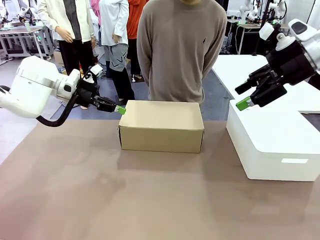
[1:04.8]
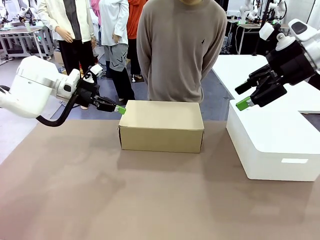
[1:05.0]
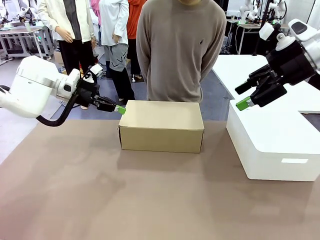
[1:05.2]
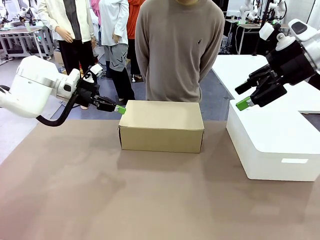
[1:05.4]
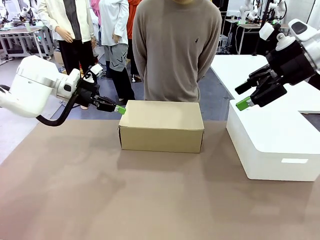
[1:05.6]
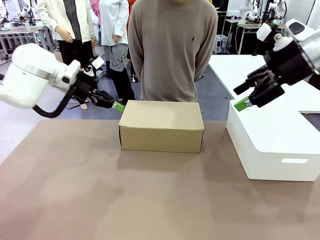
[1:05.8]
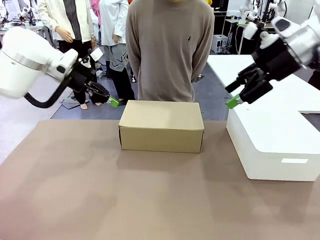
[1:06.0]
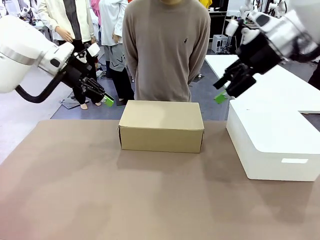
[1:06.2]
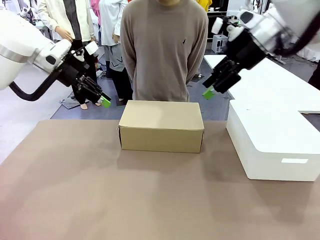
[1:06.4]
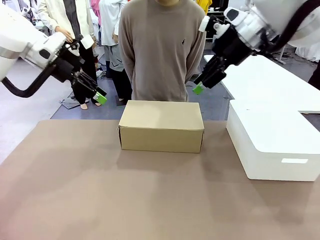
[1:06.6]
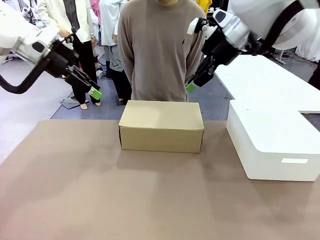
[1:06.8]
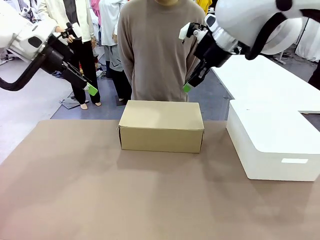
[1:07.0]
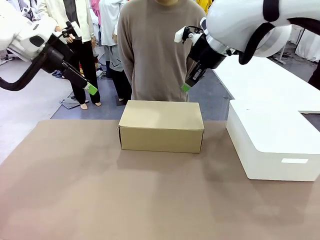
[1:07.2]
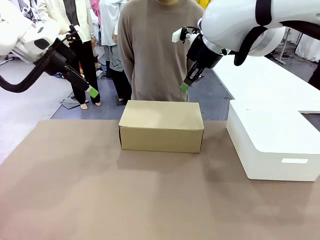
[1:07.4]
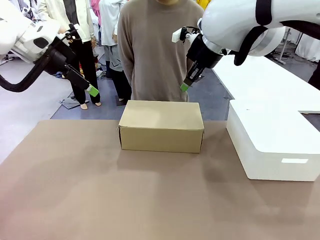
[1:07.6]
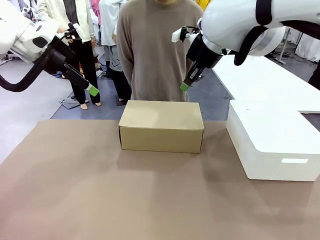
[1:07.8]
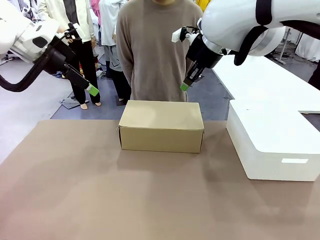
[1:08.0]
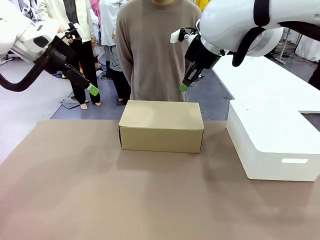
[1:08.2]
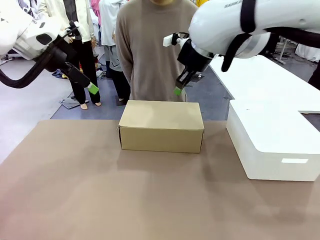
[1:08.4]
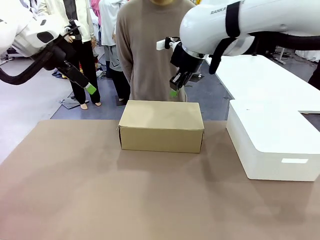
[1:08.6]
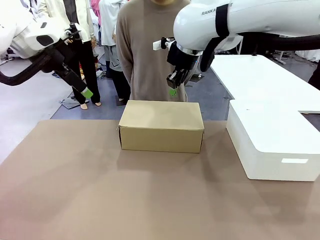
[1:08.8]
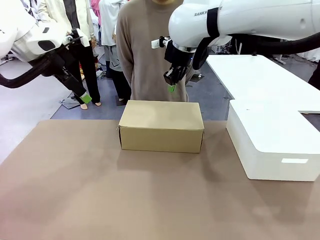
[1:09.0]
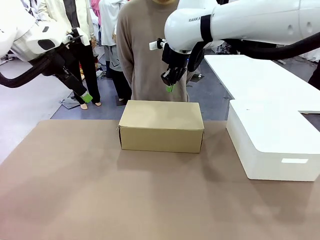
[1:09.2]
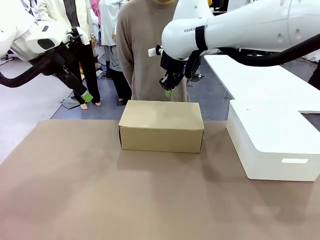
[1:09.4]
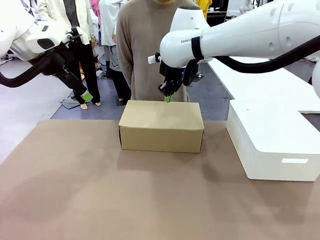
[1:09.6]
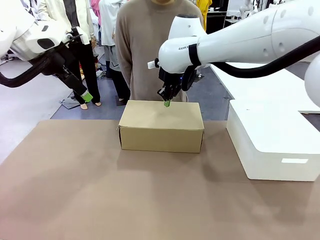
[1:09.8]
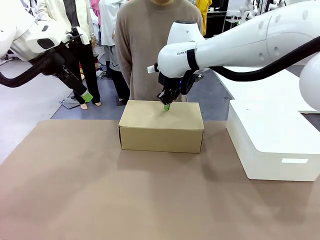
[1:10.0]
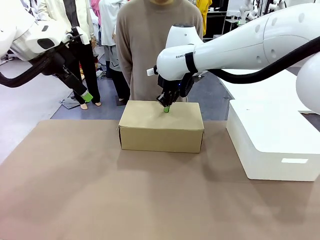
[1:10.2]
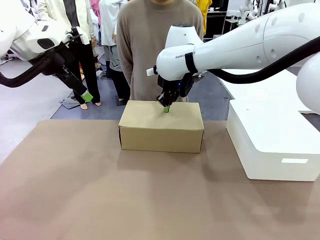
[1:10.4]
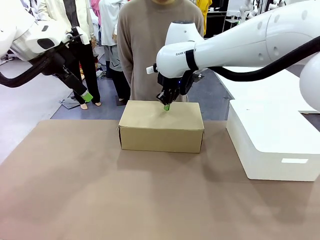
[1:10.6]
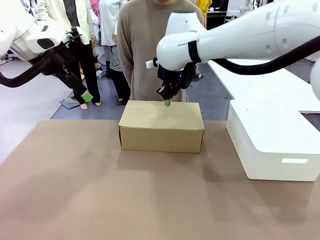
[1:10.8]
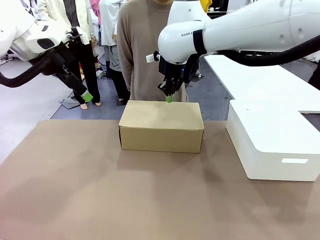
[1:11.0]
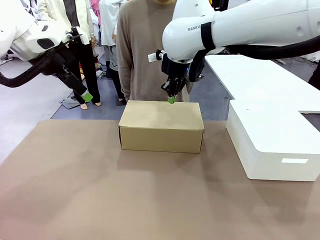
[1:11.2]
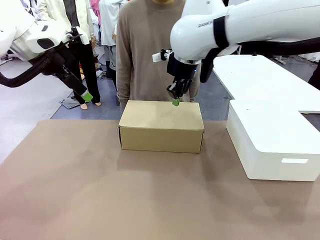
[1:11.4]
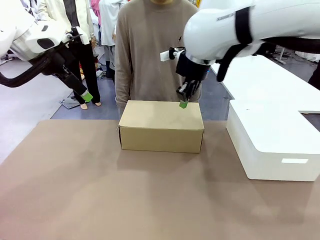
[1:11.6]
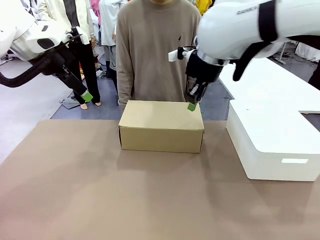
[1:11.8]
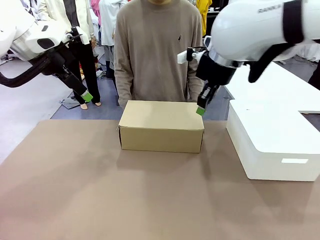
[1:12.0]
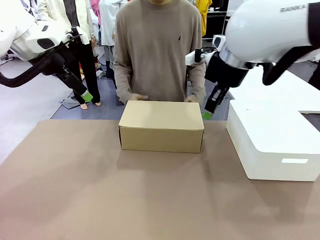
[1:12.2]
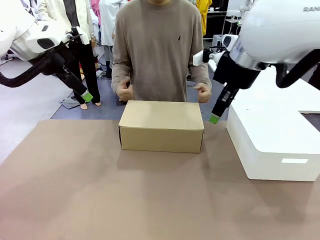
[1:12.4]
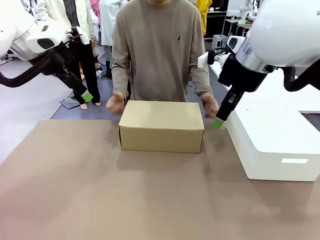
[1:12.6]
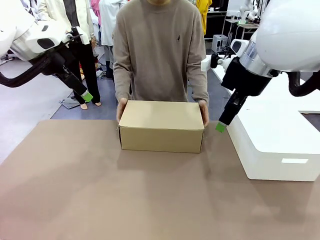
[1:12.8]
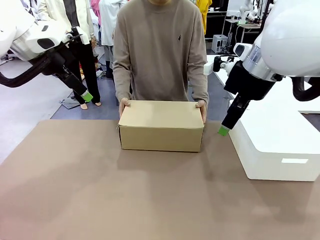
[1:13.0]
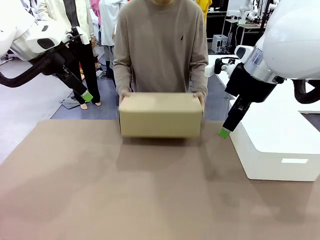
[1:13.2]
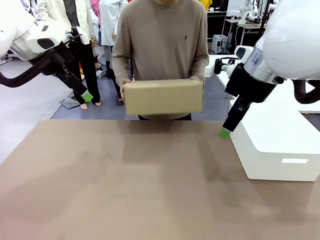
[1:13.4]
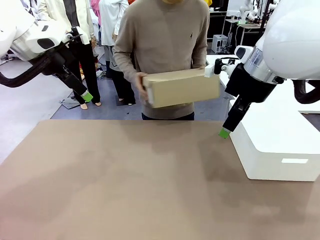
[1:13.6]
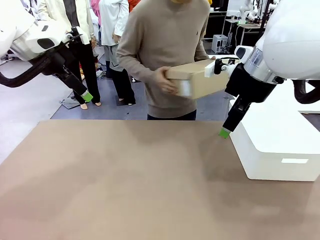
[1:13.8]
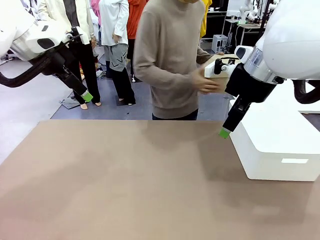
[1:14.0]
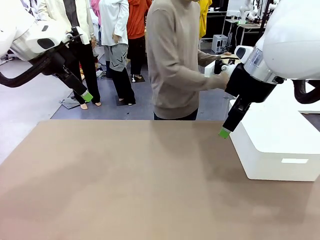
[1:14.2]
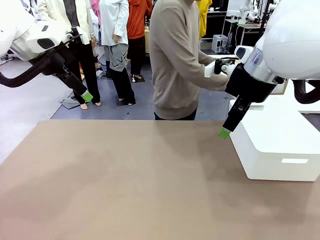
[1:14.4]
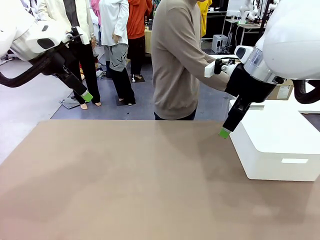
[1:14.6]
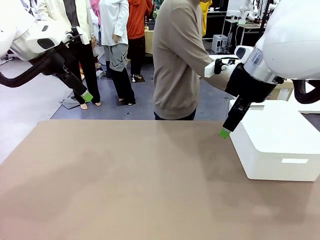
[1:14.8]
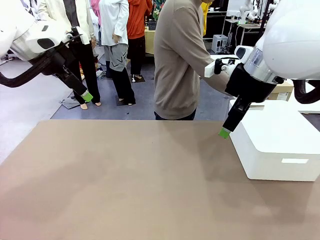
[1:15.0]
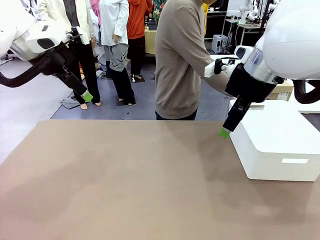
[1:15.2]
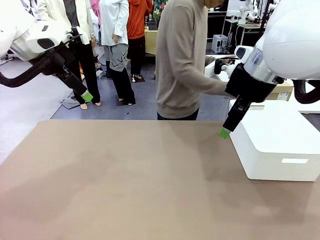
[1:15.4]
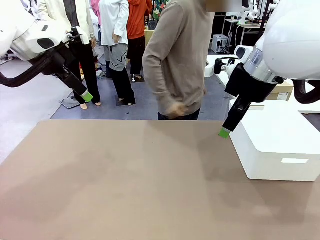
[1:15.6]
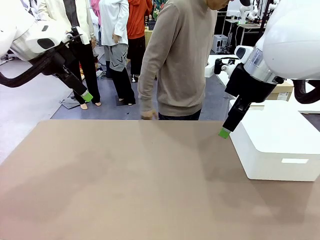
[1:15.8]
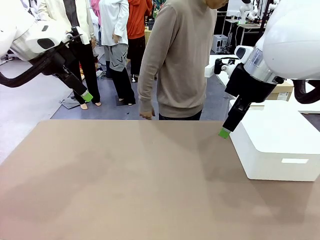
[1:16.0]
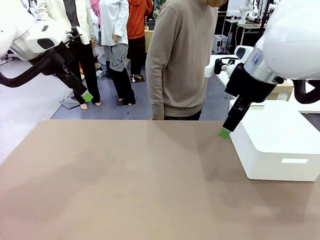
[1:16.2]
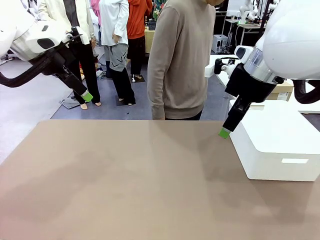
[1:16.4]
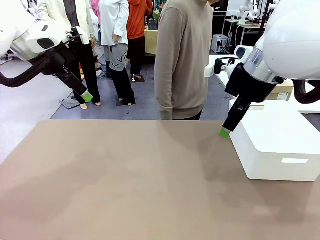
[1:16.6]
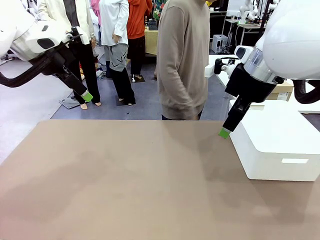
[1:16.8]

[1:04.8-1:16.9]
Task: Pack the shoes into the box.
Robot: Press down on the lid of the Shoes Box.
Person: Place the closed Shoes Box to the right side of the human table.

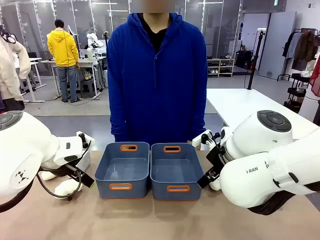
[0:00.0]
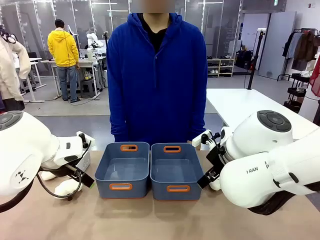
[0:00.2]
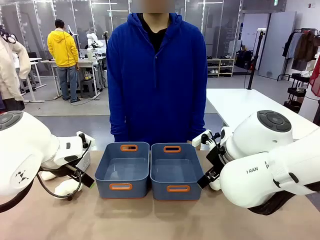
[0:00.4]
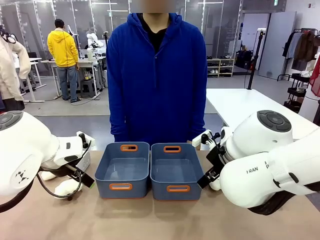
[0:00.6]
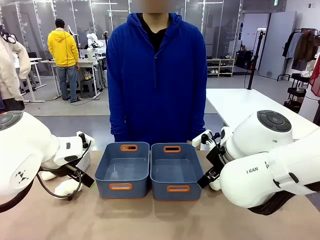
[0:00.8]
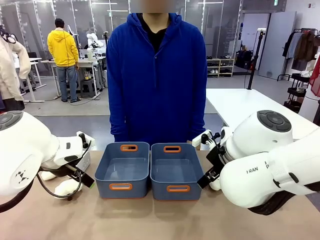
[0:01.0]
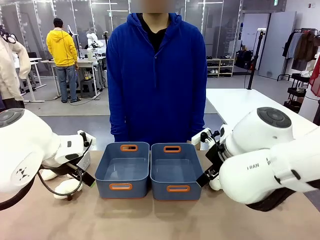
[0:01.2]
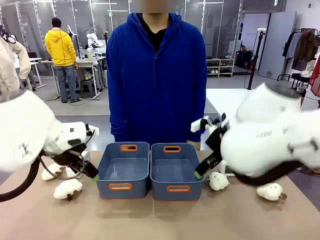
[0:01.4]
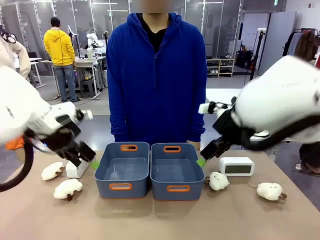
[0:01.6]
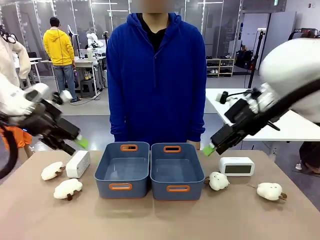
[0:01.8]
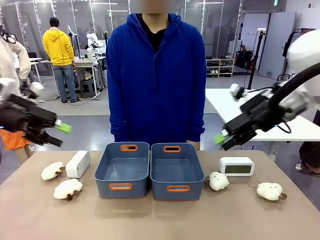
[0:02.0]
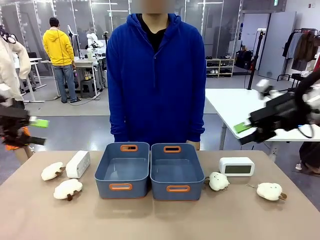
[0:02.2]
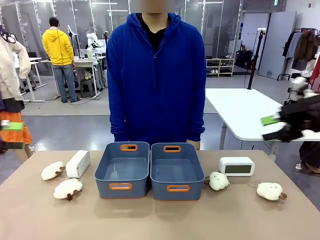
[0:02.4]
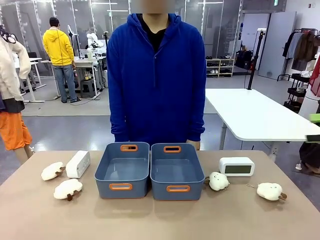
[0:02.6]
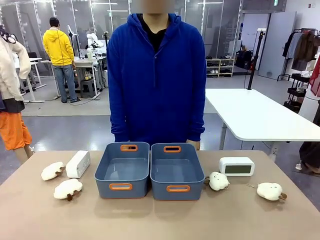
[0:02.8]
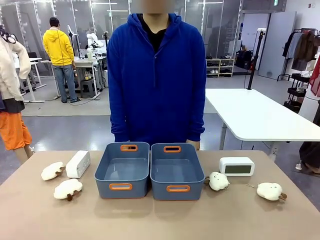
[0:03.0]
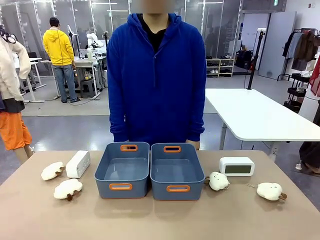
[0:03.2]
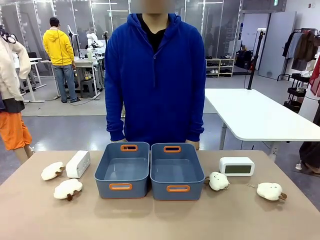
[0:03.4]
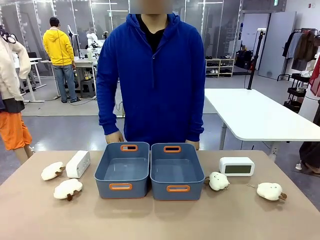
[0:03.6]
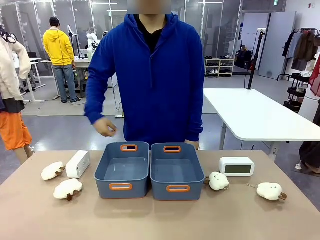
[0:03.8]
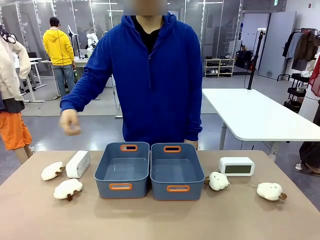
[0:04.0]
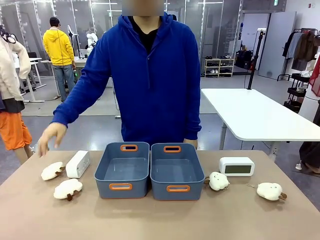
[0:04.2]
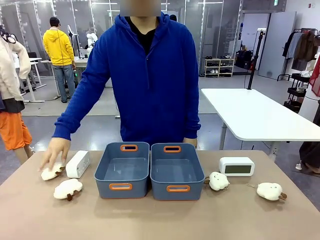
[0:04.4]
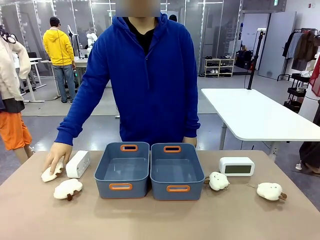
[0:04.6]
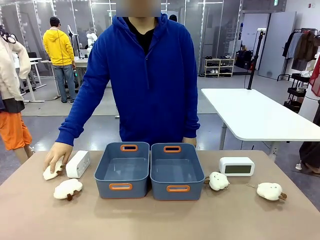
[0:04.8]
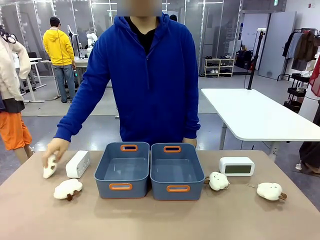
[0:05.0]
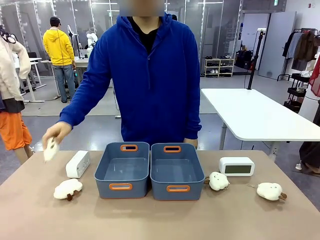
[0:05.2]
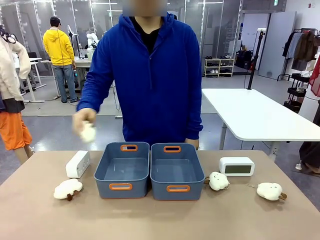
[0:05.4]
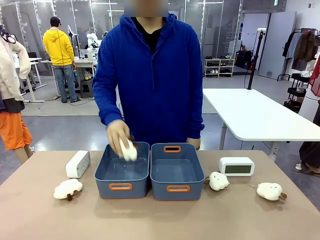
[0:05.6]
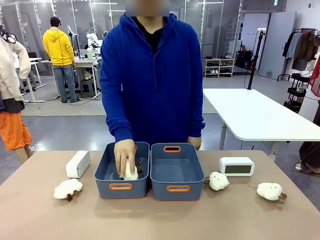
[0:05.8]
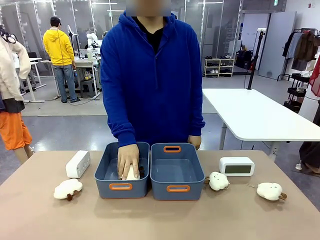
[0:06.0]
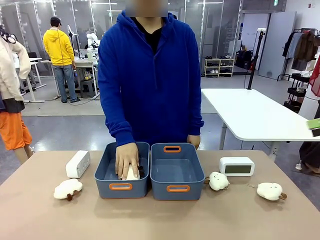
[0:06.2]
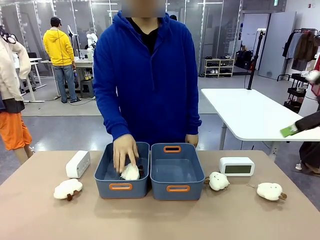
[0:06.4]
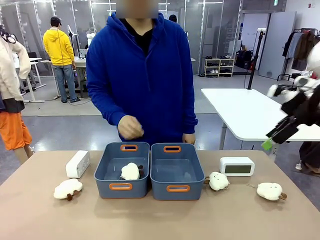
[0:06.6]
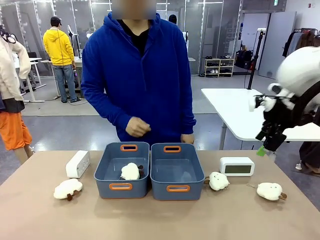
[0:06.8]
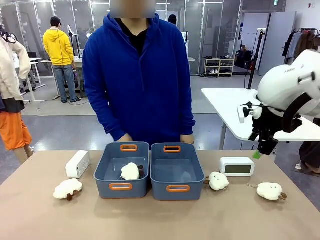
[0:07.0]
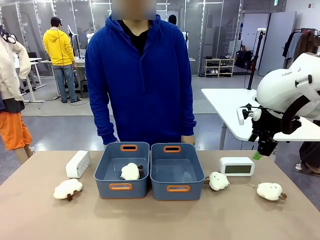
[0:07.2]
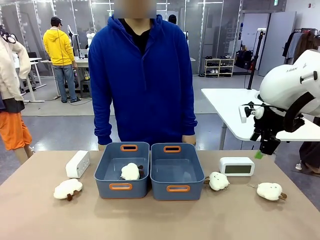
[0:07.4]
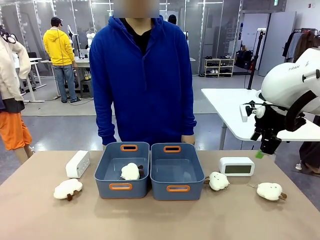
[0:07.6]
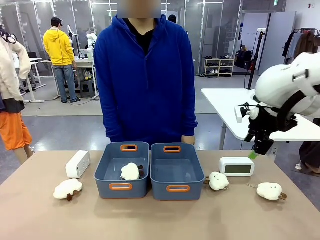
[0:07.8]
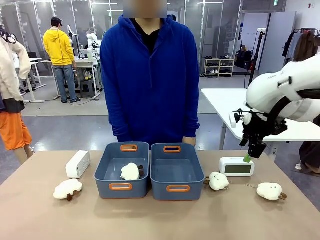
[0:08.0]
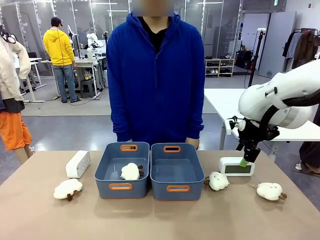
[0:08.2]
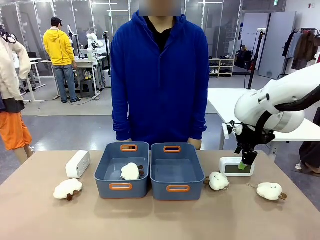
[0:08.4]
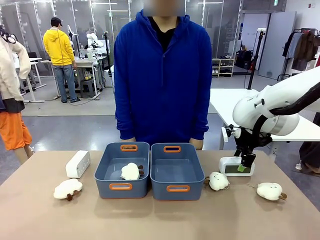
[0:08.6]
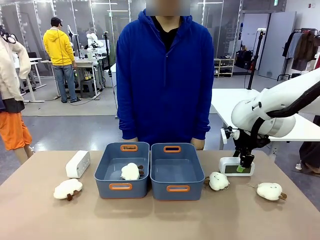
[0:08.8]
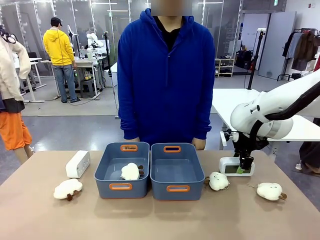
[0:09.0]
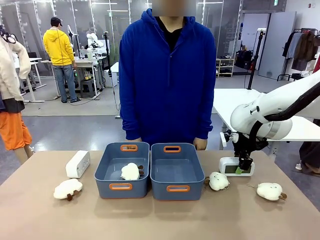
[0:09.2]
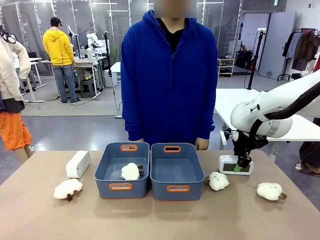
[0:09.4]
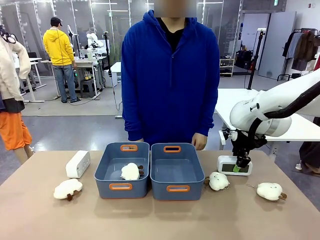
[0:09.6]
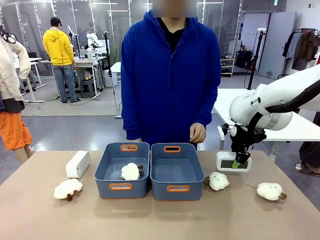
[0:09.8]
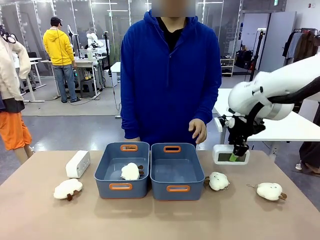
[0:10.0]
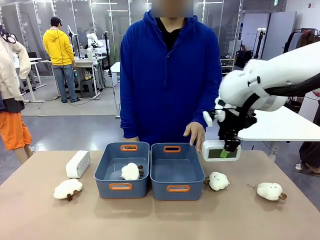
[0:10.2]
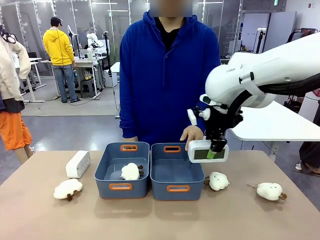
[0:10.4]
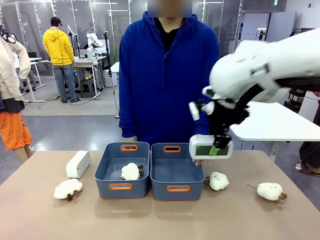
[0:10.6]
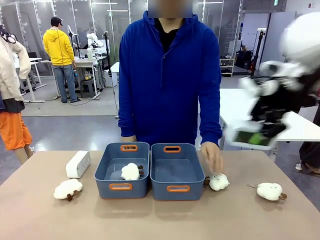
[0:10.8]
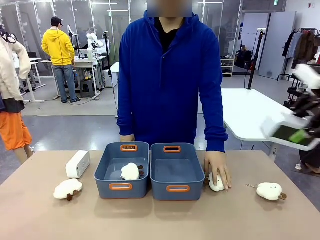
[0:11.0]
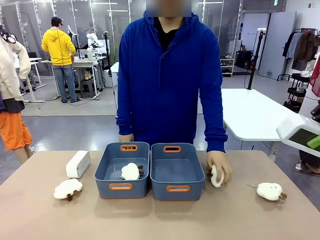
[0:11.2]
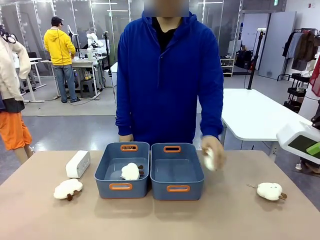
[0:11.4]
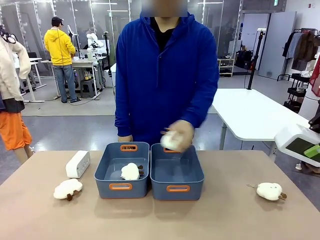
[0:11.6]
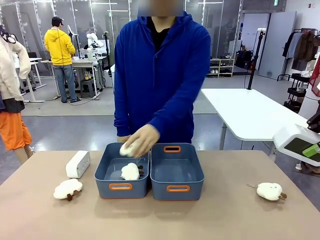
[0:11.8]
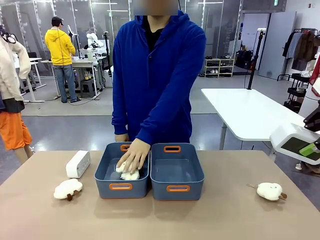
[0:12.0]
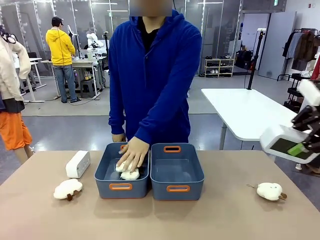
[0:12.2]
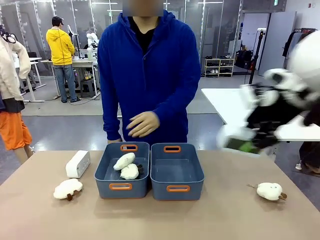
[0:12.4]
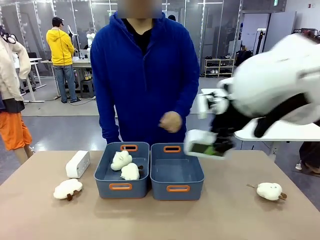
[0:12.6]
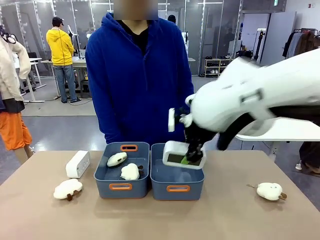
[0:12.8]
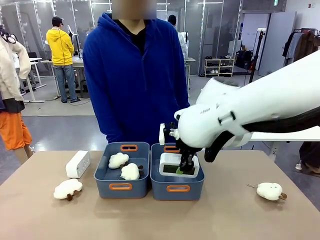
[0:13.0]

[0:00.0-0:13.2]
Task: Sort the digital clocks into the basket.
Robot: Pick up the Digital clock from the table and place it into the empty Plastic storage basket.
Person: Pick up a plush toy from the table and place it in a plastic storage basket.
